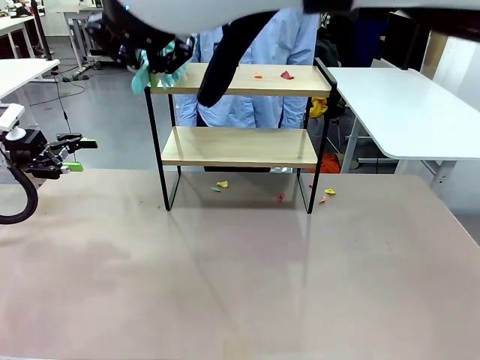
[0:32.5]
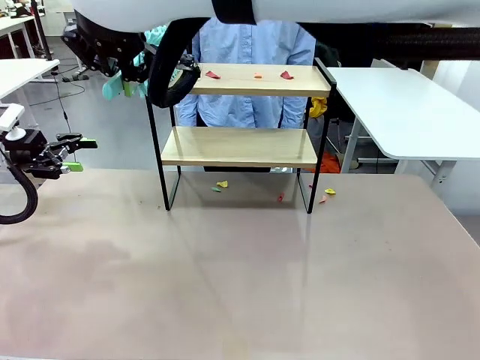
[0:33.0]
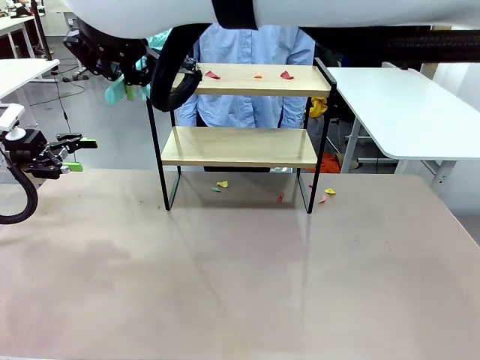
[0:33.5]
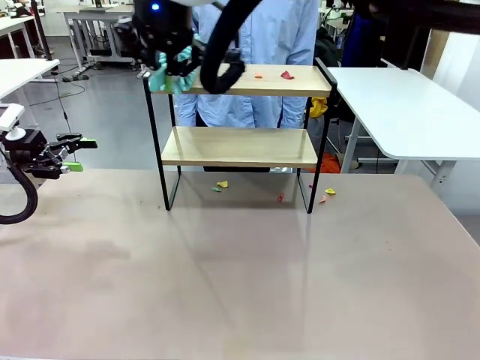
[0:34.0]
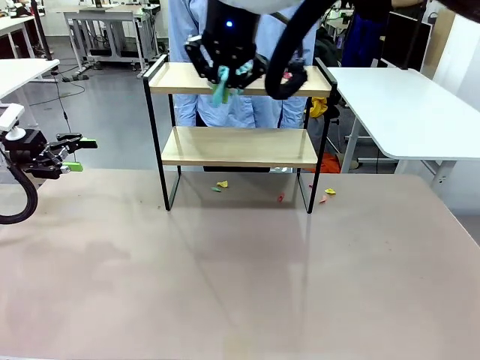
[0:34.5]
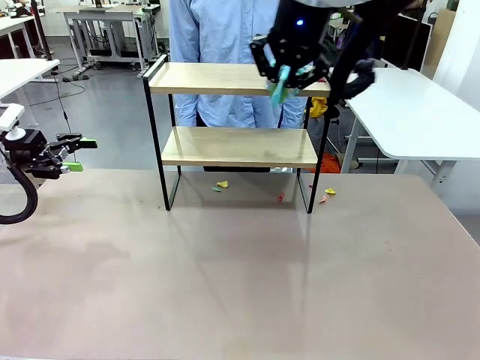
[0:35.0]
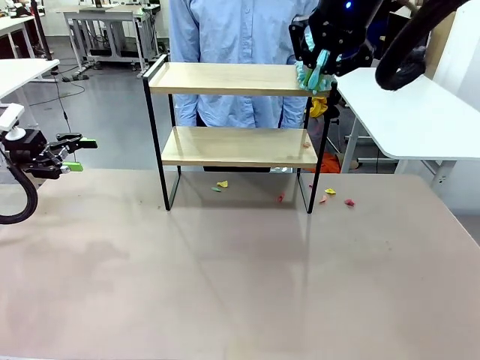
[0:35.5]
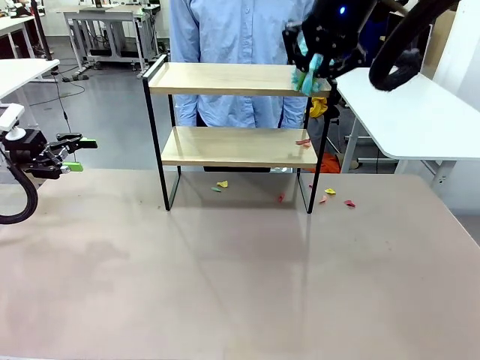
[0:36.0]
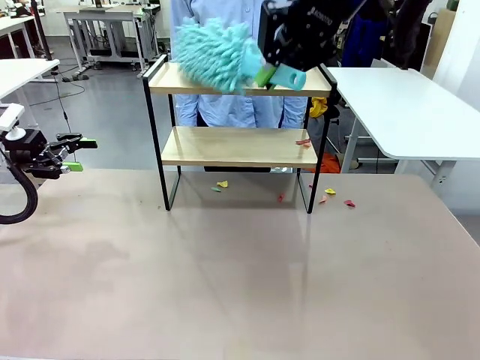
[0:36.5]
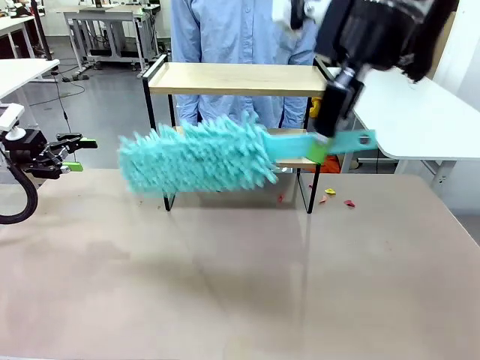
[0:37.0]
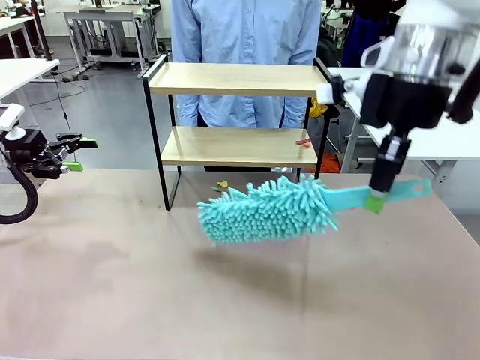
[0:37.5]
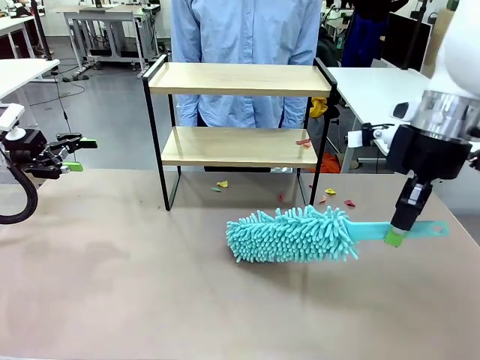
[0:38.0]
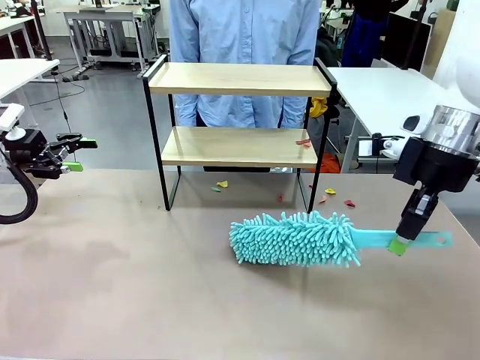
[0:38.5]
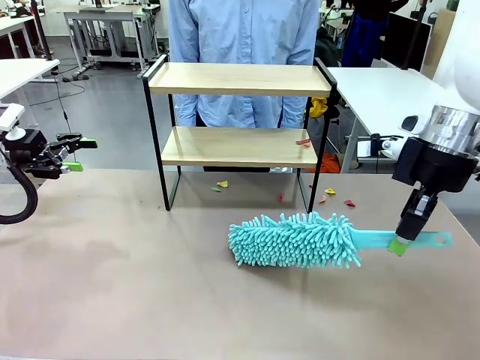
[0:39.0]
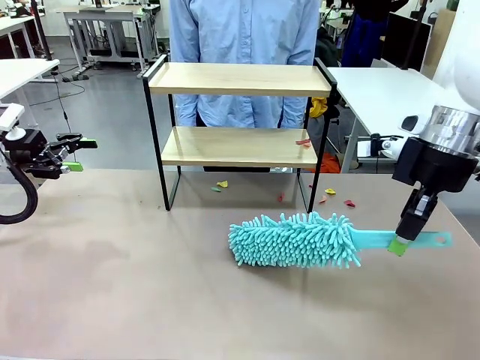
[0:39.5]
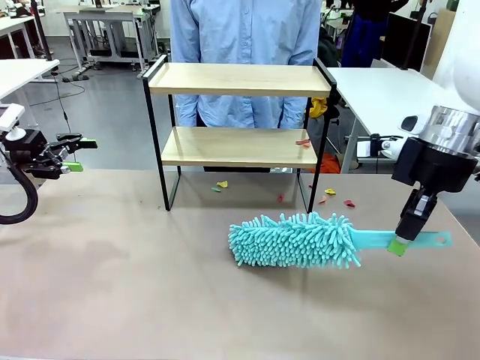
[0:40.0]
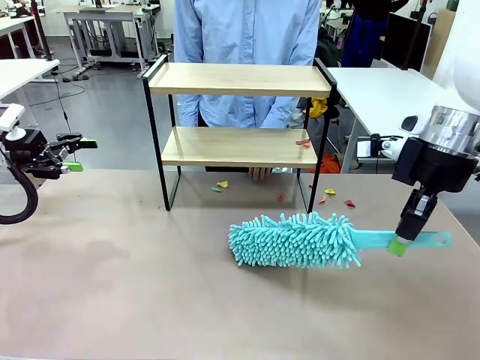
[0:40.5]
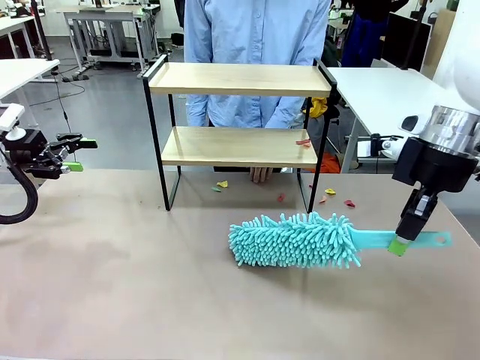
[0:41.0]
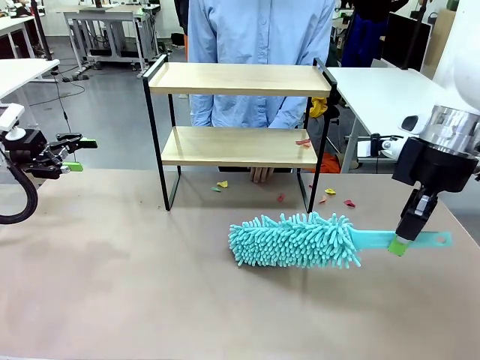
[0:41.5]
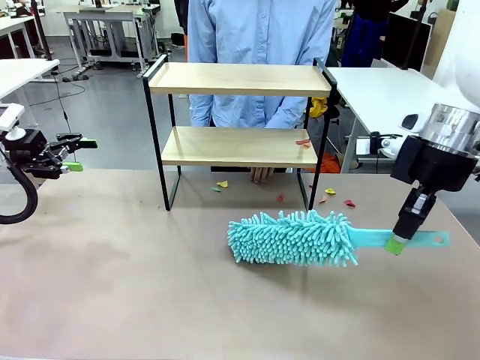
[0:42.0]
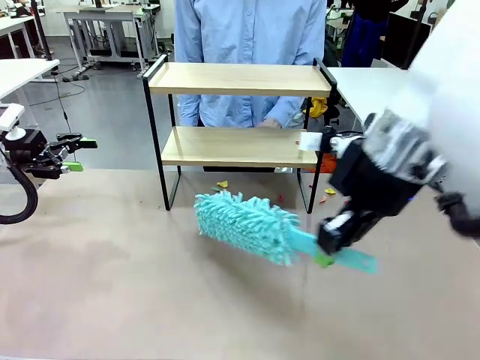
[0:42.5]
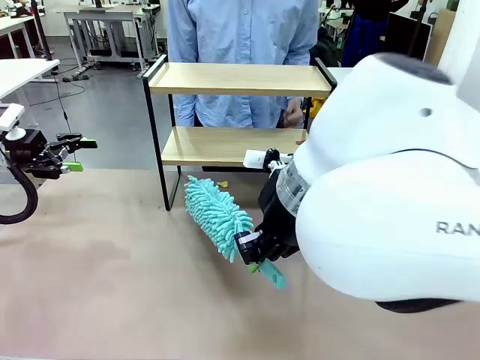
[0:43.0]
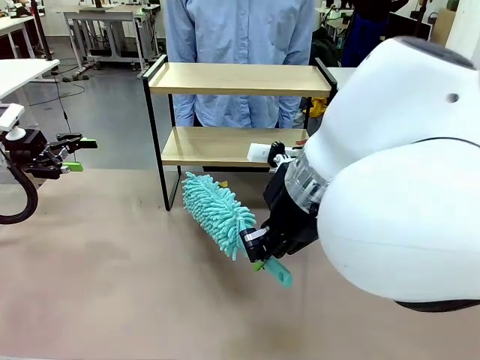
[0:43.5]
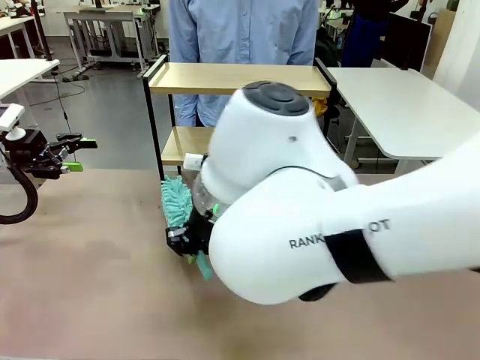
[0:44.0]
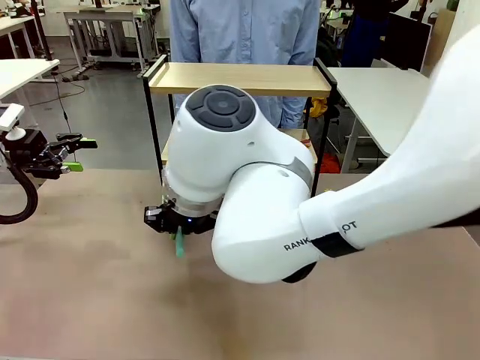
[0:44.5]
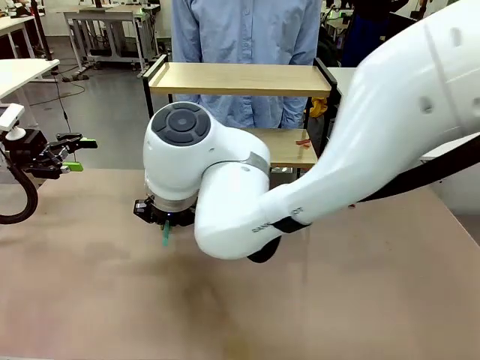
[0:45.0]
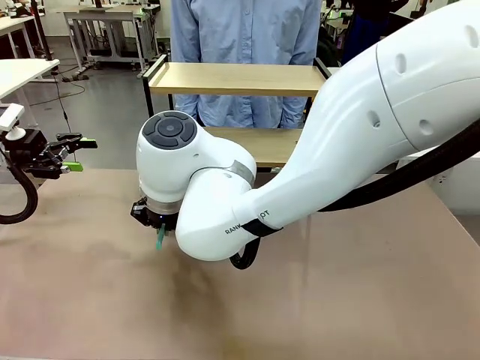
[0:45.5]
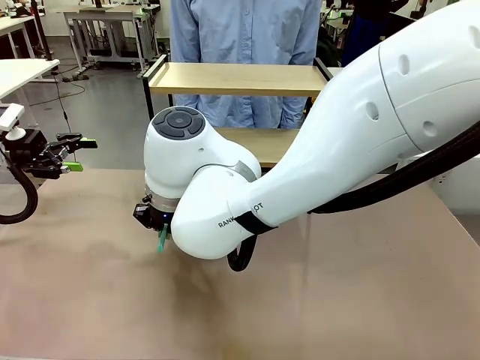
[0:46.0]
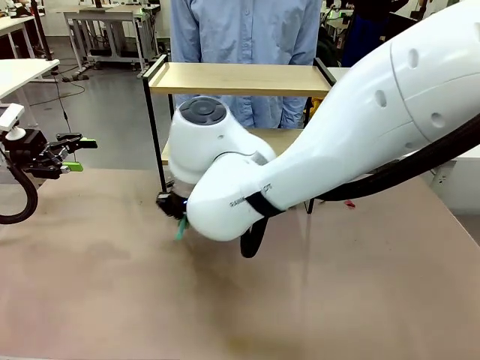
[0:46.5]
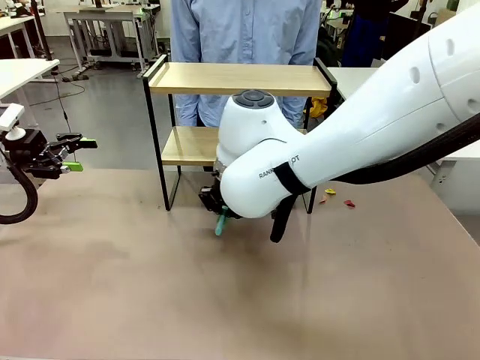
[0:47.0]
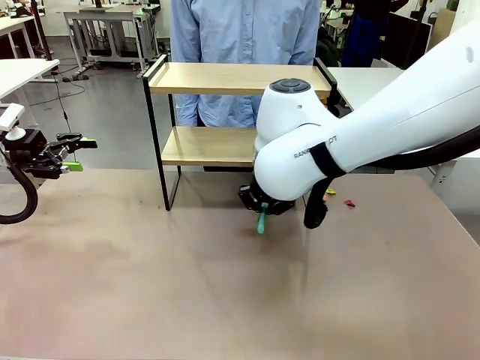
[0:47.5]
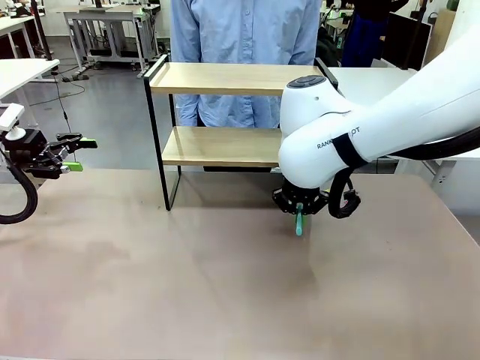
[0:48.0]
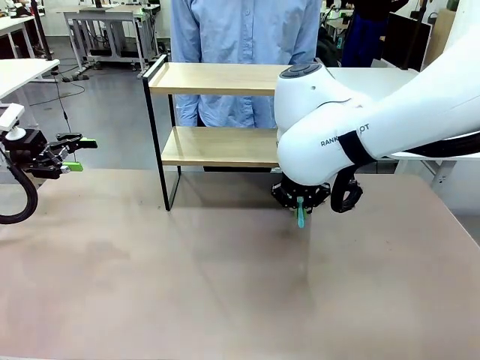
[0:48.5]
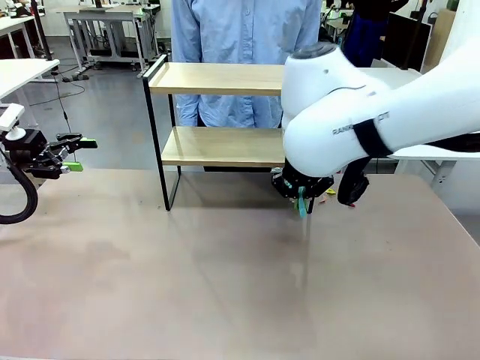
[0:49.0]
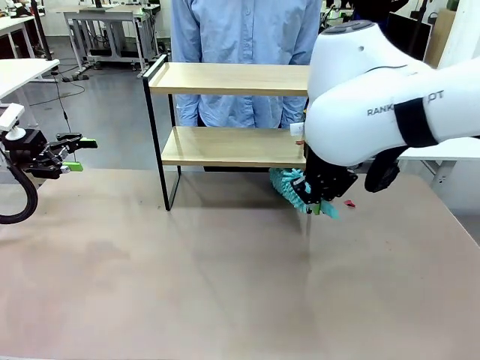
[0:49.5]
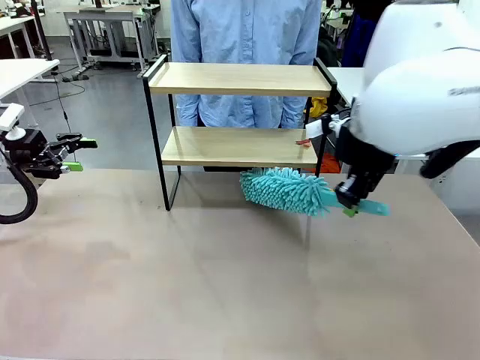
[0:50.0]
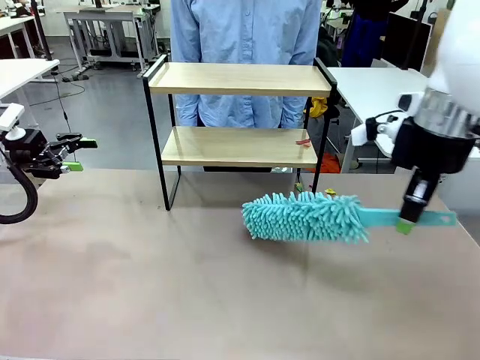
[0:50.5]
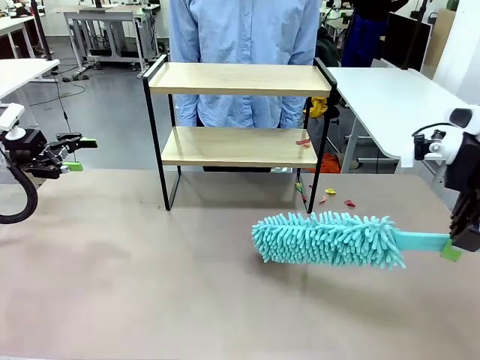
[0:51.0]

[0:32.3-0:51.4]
Task: Clean the shelf.
Robot: Clean the specific section of the Shelf indicated by the human with the Duster.
Person: Point a remaining section of the Shelf.

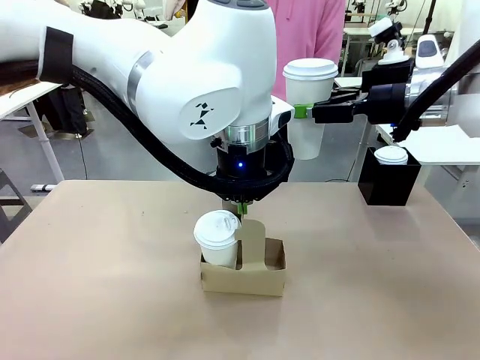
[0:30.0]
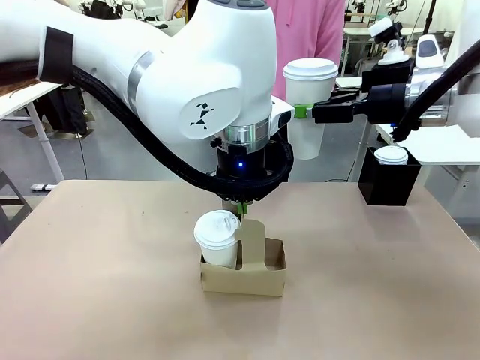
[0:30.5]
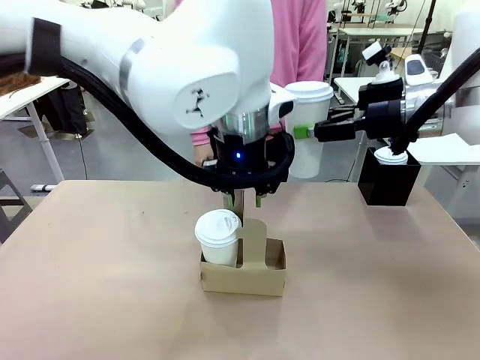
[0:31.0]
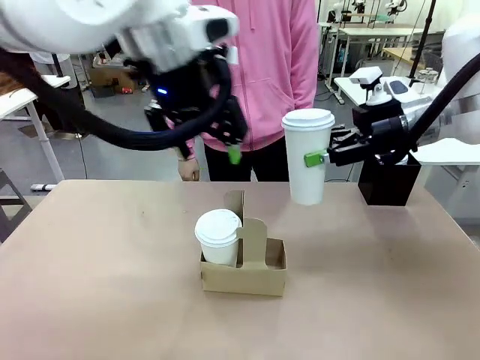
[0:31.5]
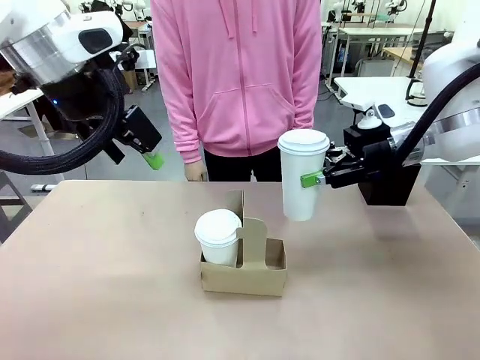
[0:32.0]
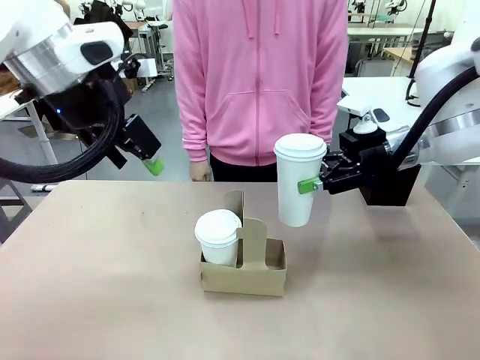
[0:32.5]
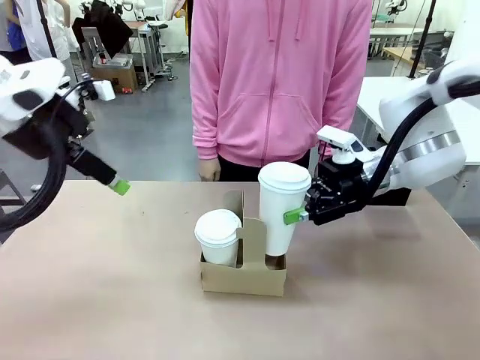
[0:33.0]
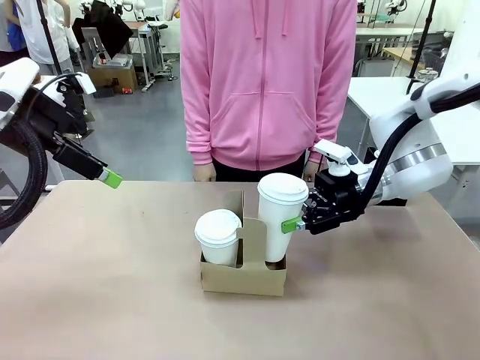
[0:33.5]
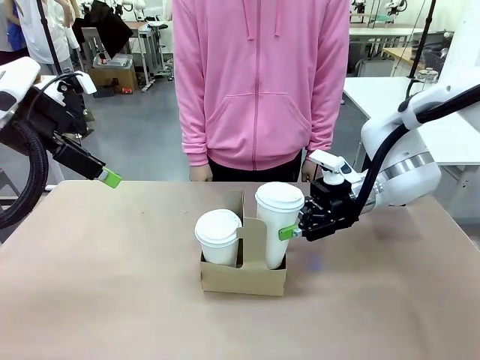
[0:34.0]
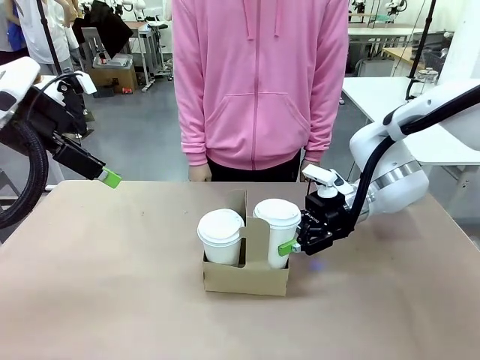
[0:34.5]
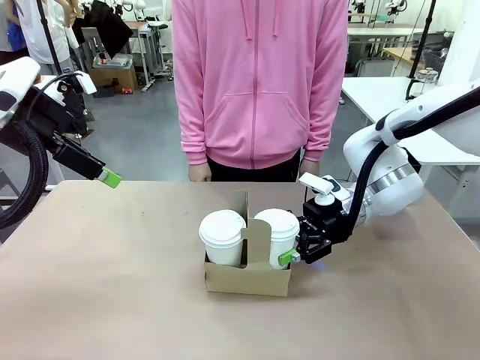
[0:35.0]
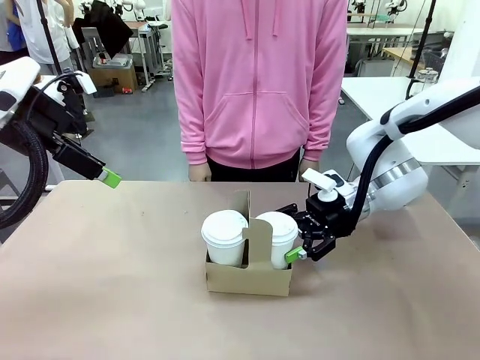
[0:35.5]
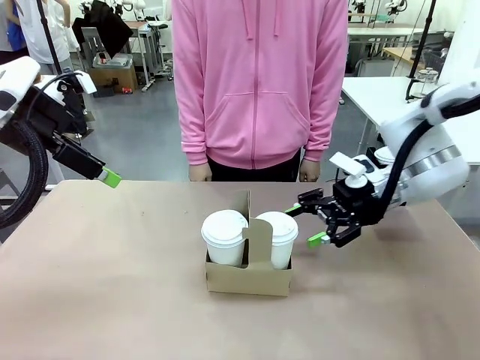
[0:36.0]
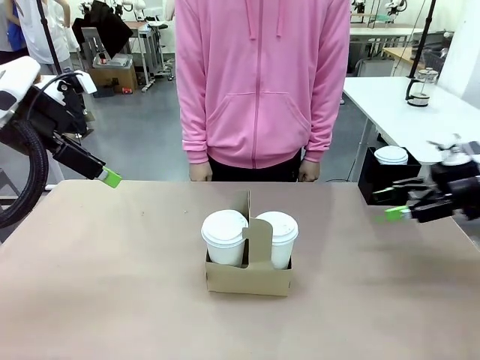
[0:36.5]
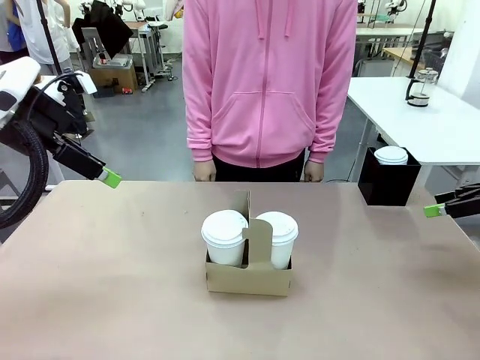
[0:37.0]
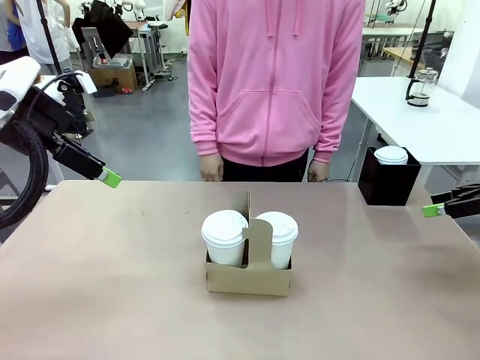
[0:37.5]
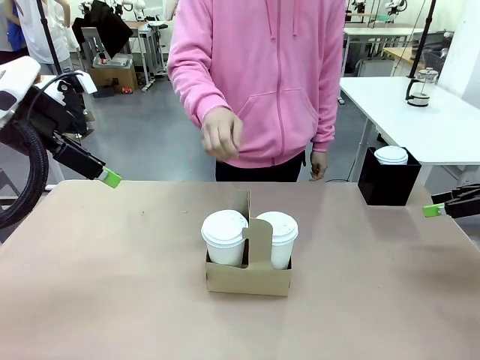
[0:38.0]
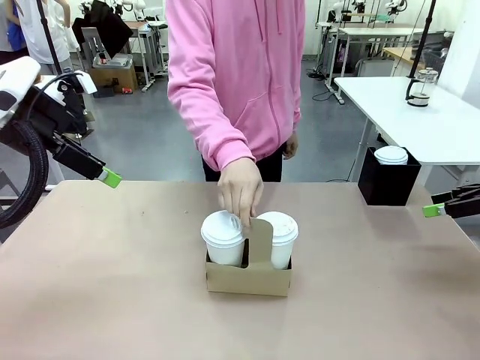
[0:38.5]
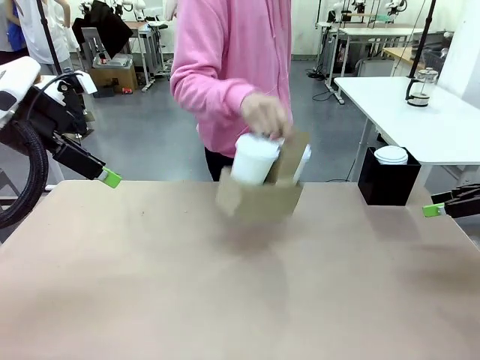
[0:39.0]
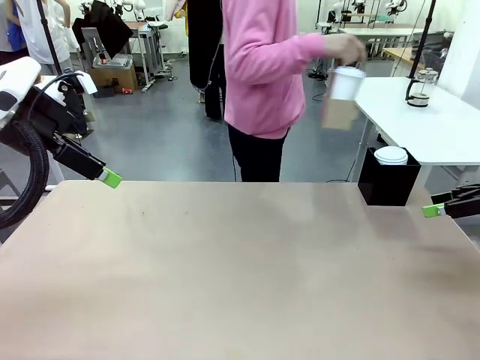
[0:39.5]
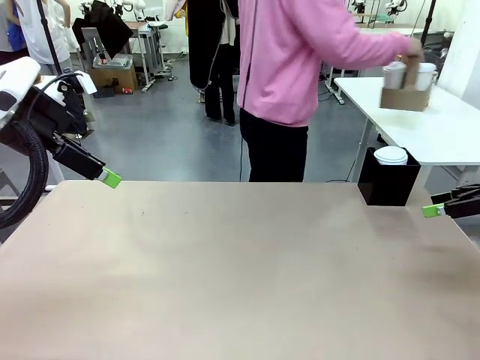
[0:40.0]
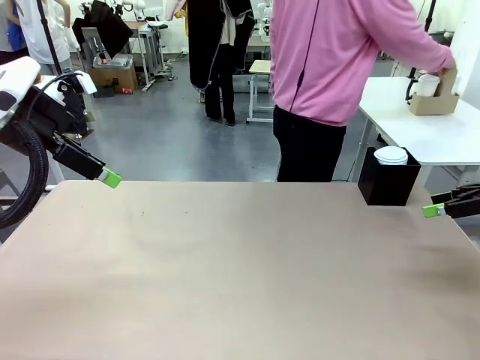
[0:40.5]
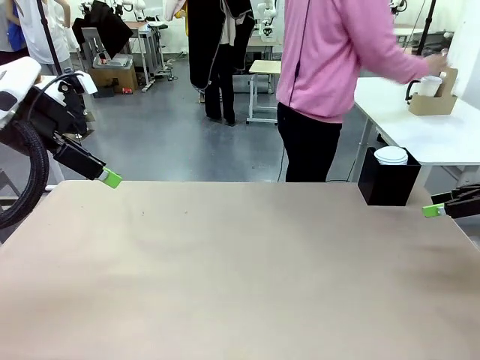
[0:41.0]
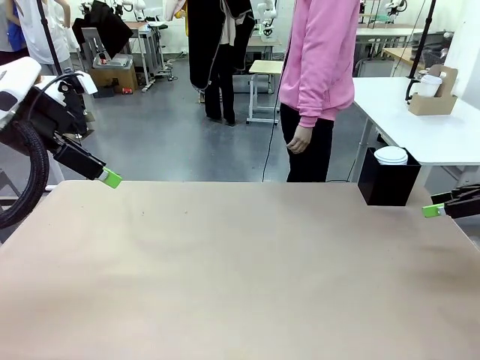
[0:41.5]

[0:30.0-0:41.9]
Task: Pour a drink into a cup and package it in a carrier.
Robot: Insert the held 600 ml Paper Cup into the Cup Carrier.
Person: Place the Cup Carrier to the middle of Human table.
